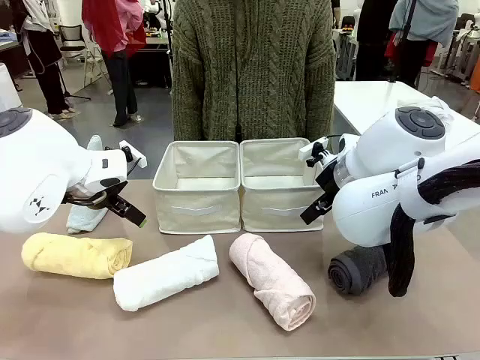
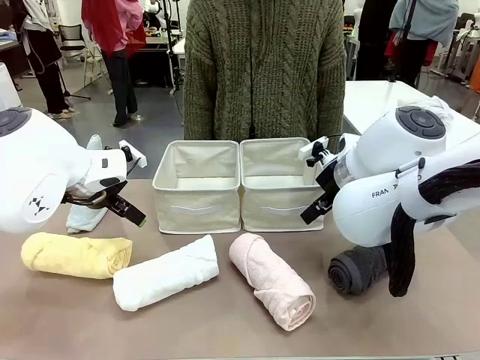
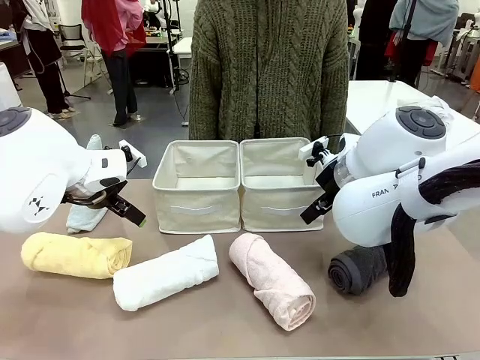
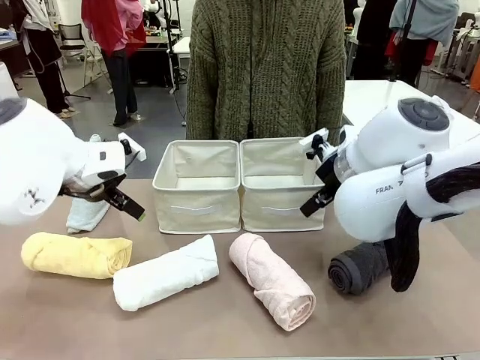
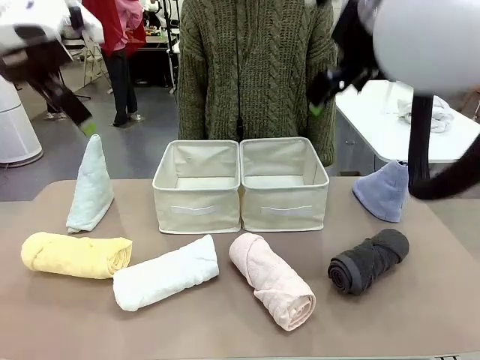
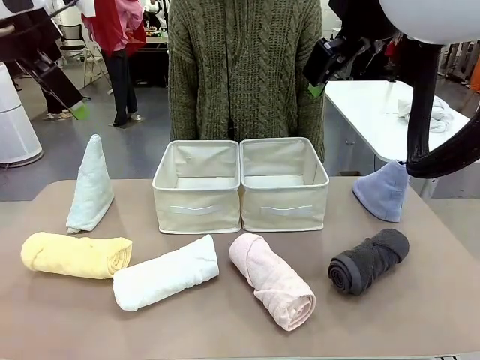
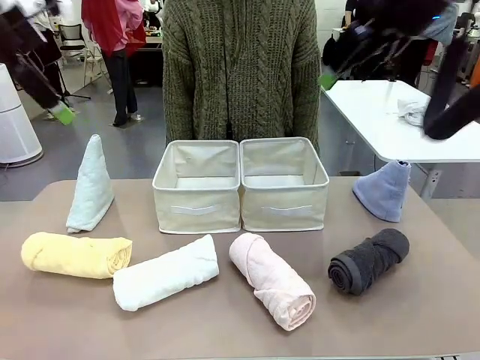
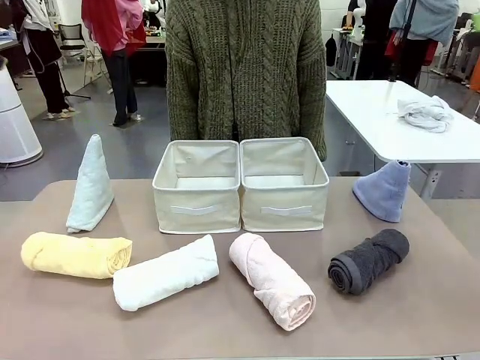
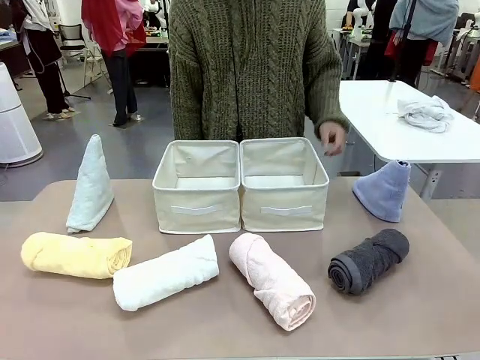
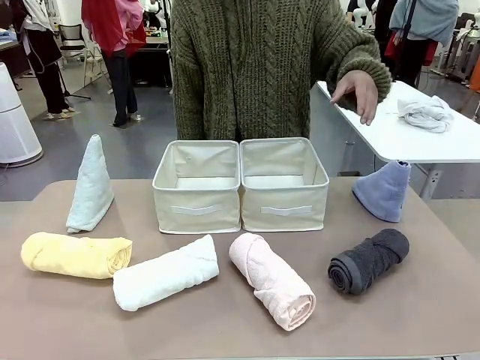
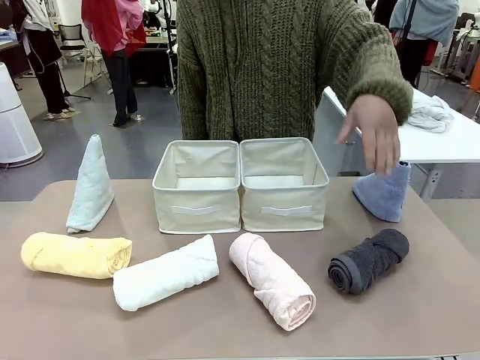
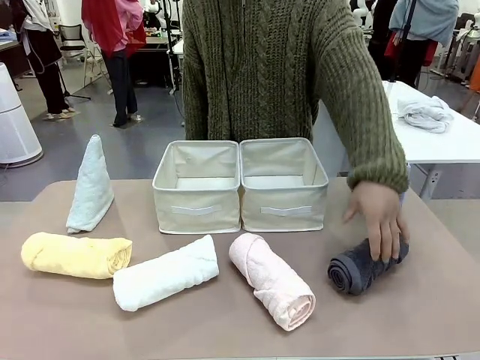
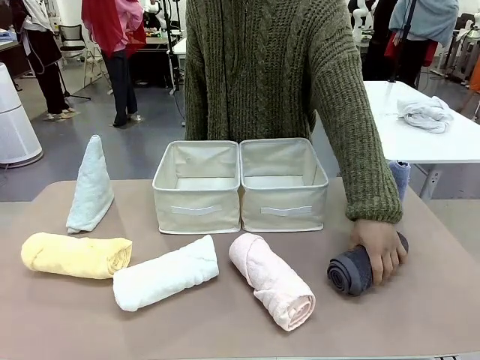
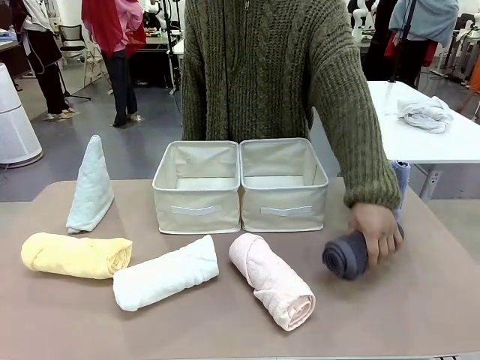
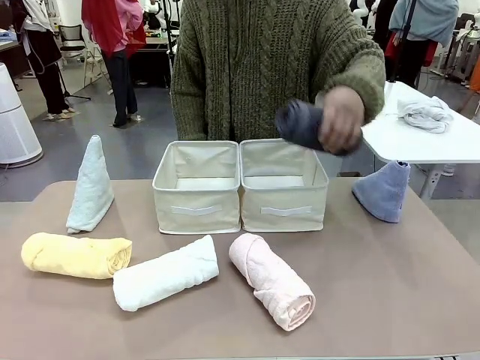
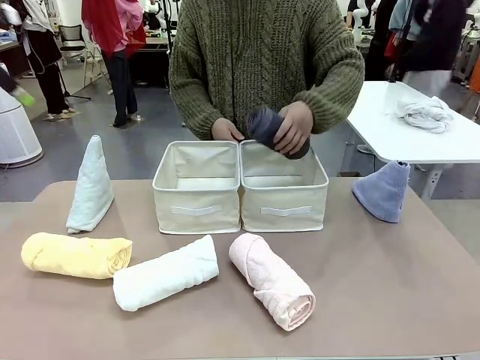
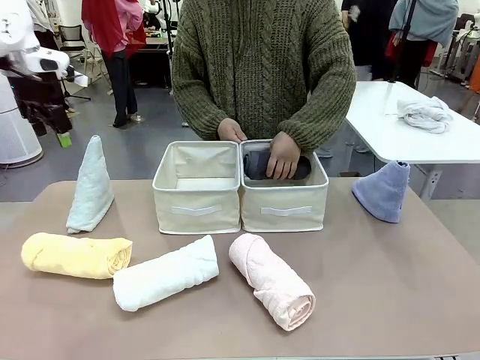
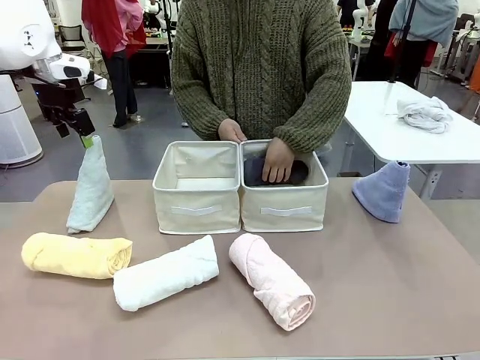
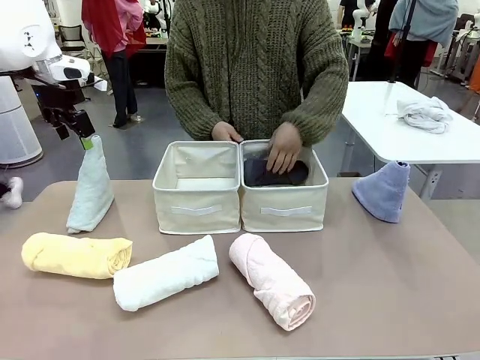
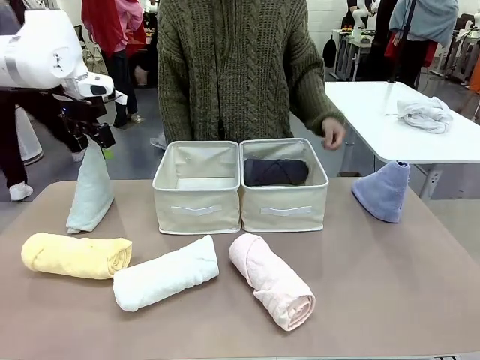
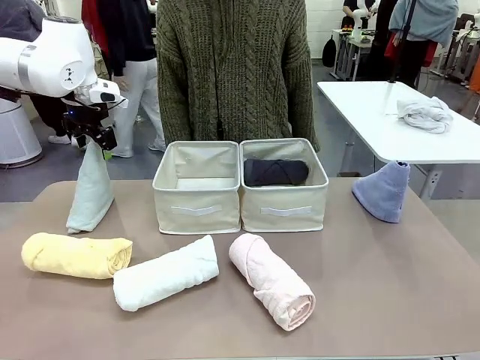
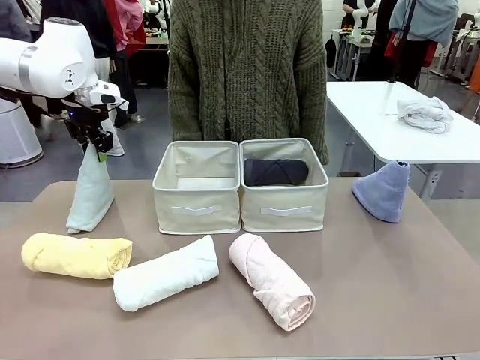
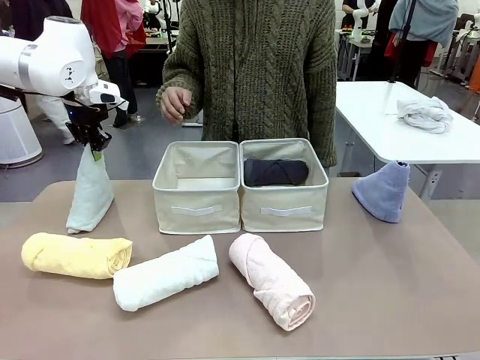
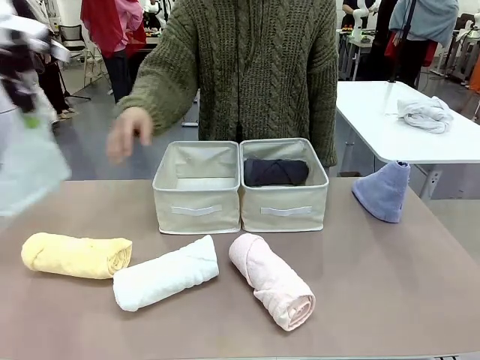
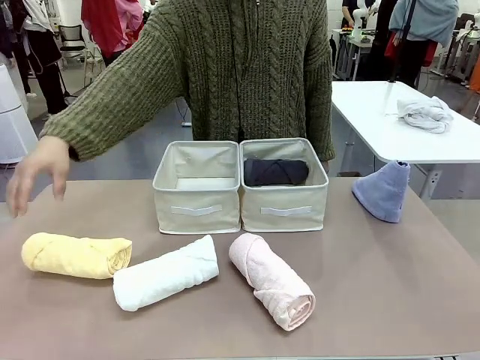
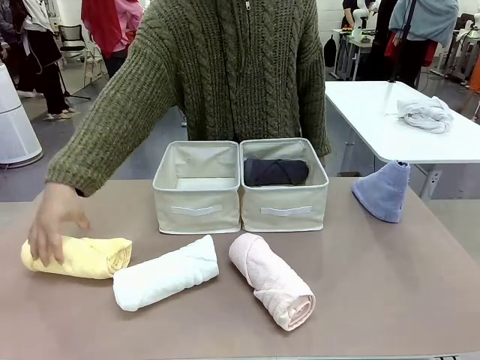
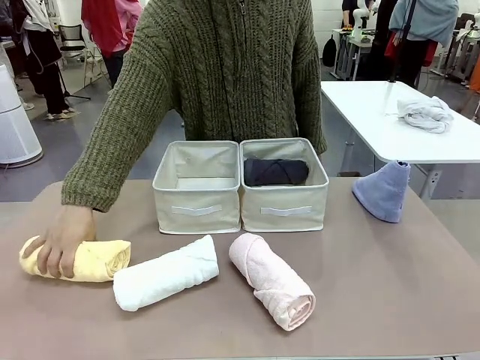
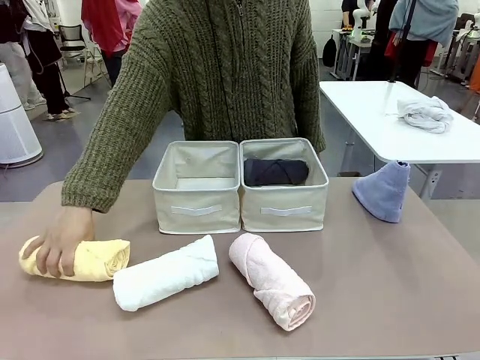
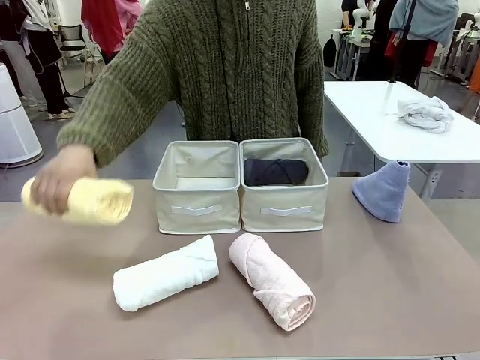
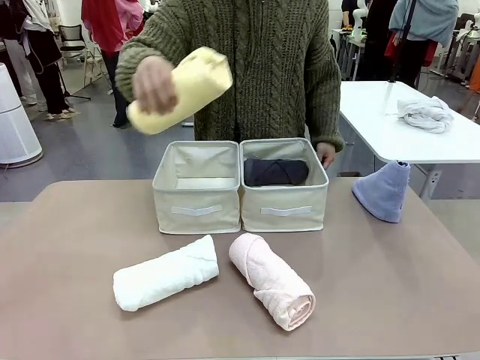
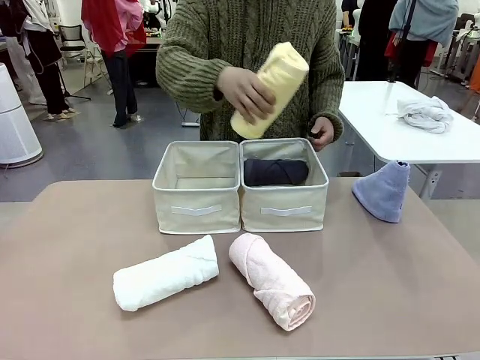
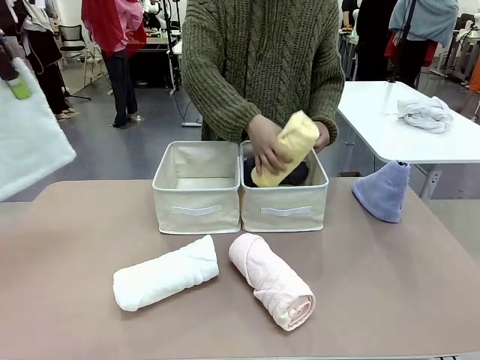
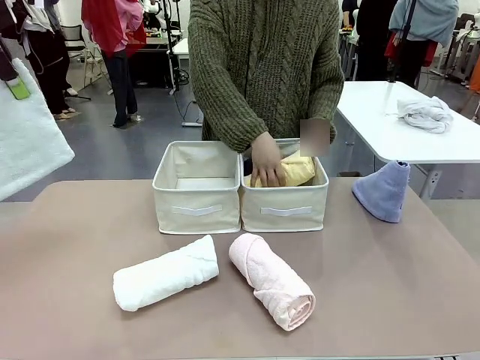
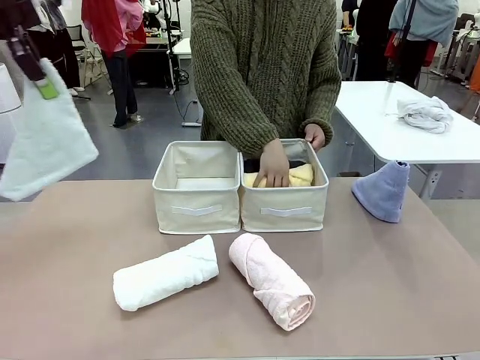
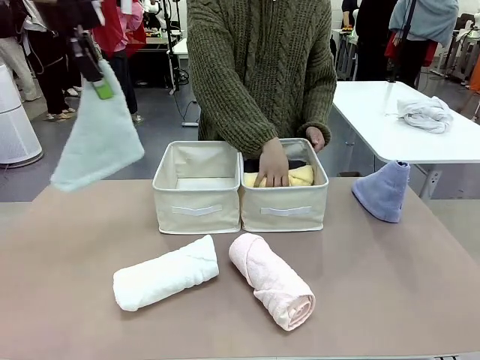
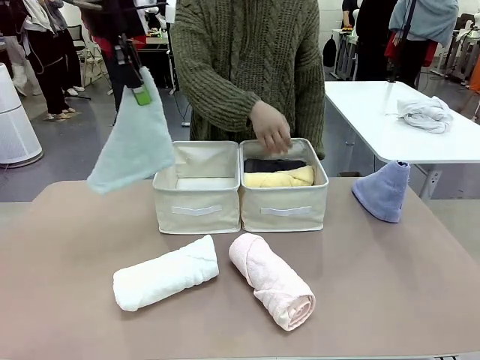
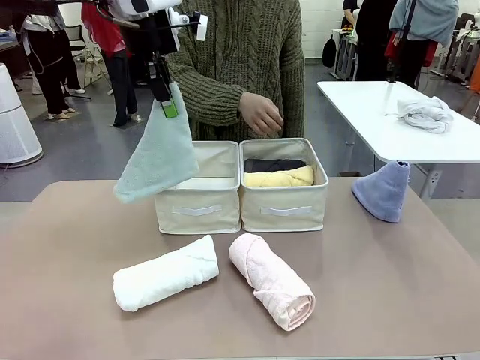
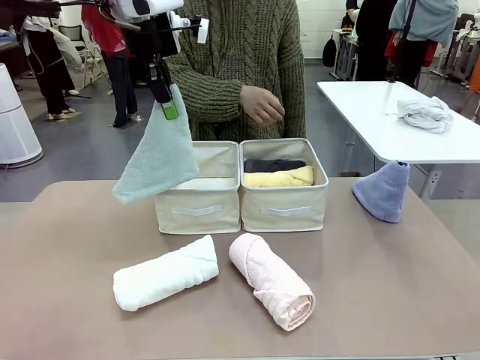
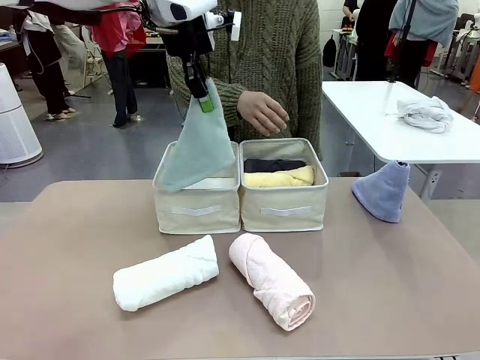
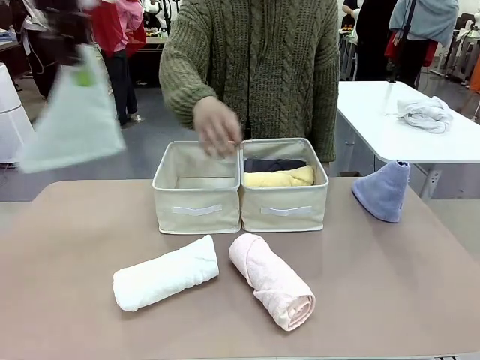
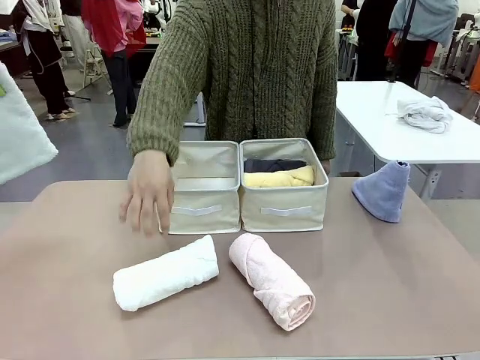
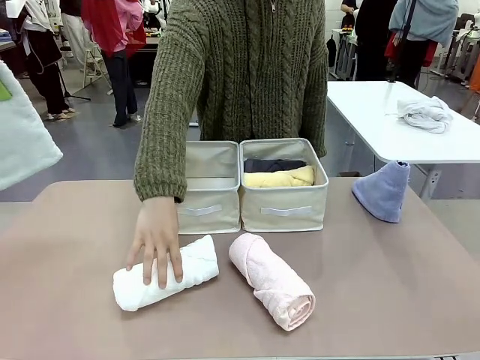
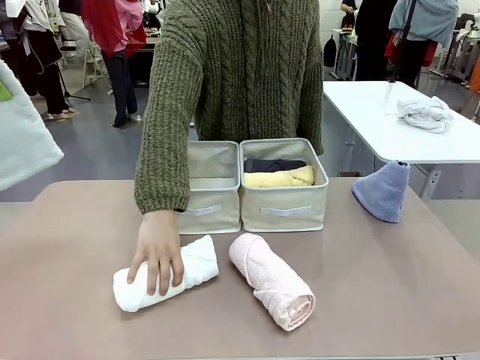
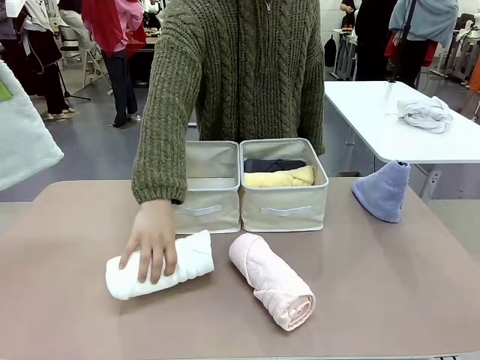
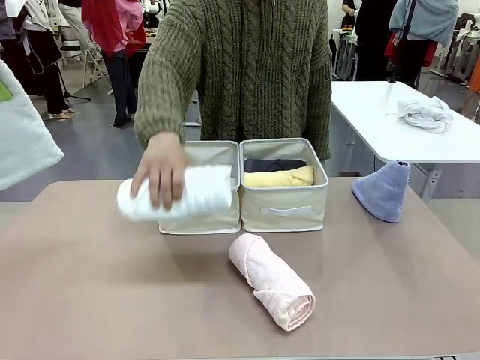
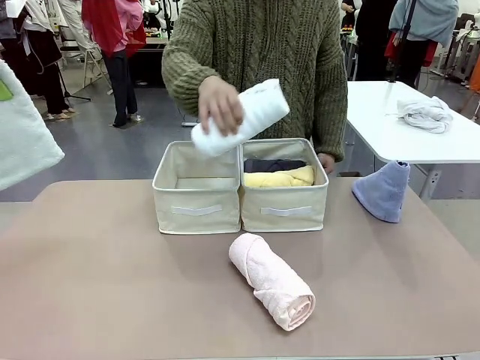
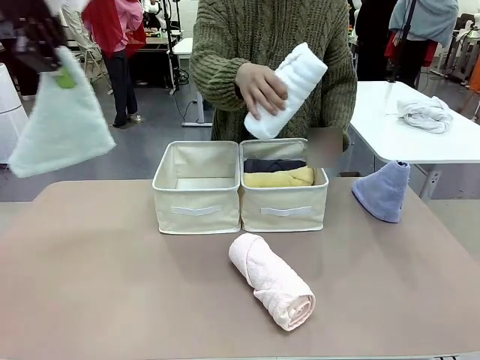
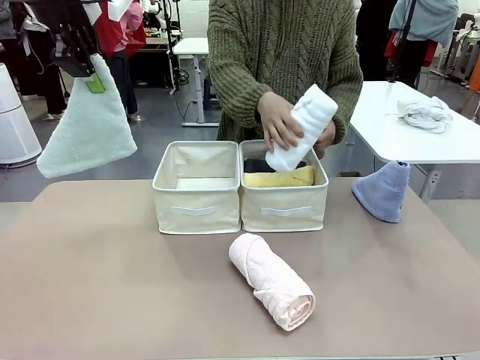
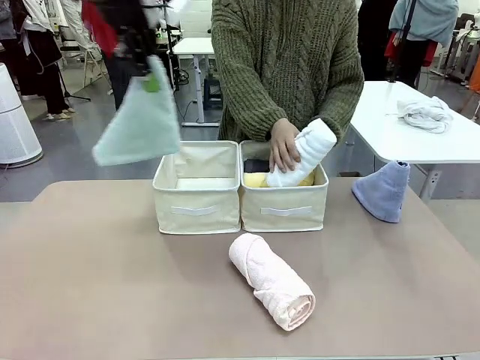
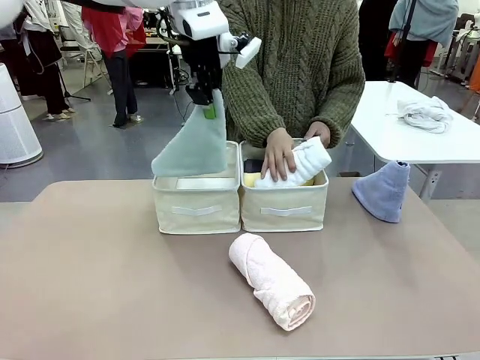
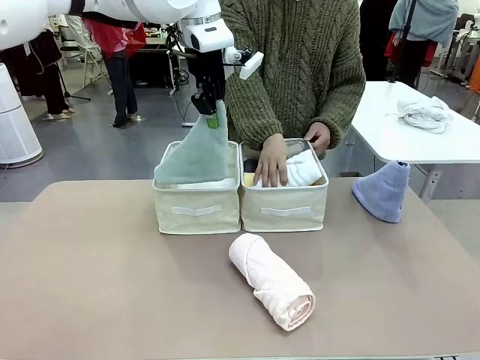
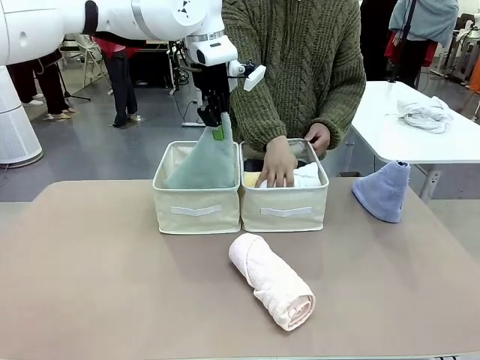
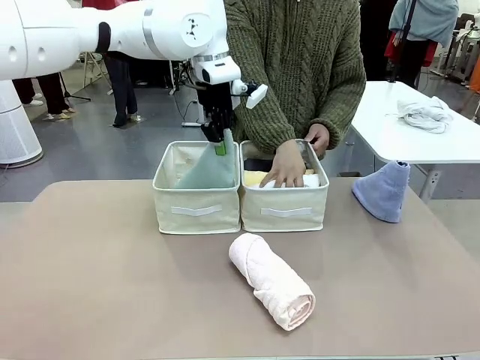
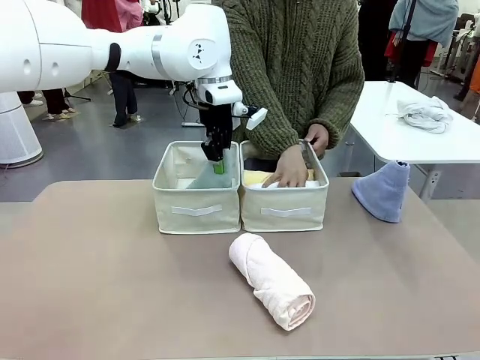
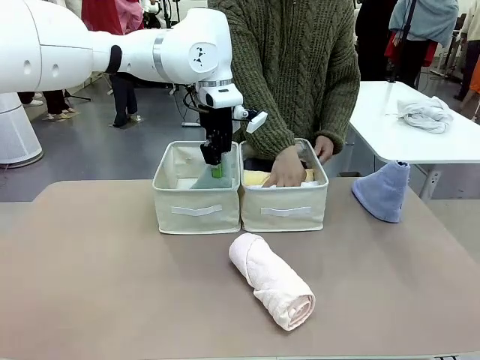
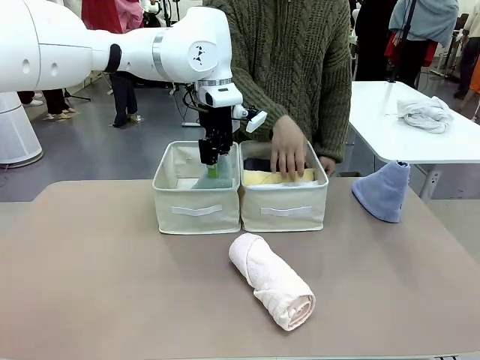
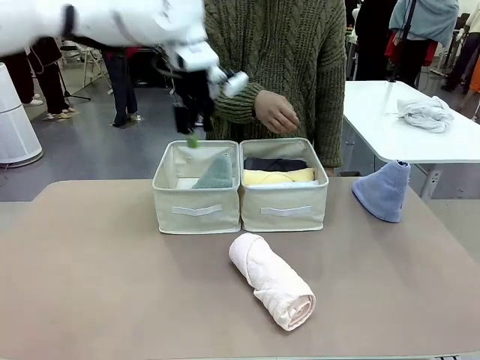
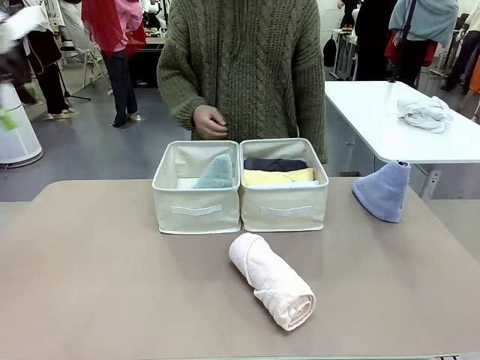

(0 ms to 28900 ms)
Task: Sort the towels based on their folding style.
Robot: Pick up one triangle-folded towel and place it in the left Fabric basket.
Person: Pick up one hotel-style rolled towel and place it in the left fabric basket.
